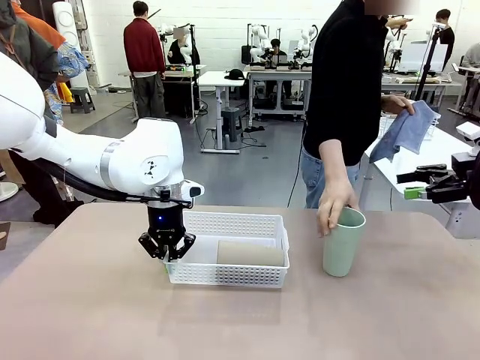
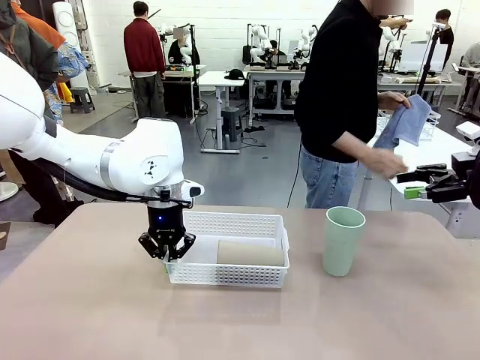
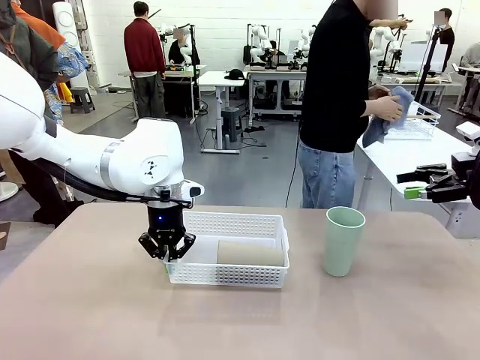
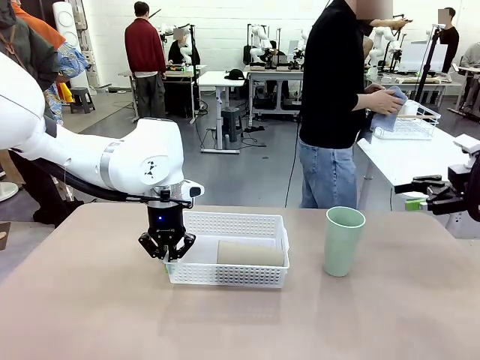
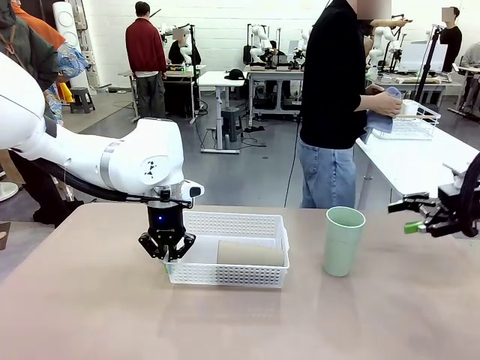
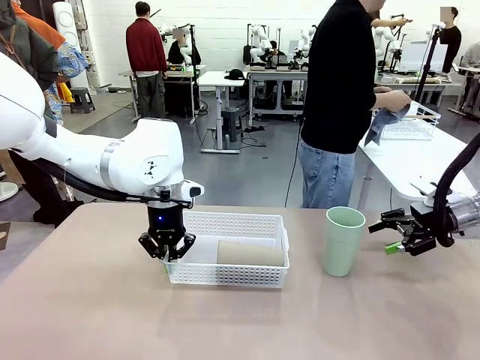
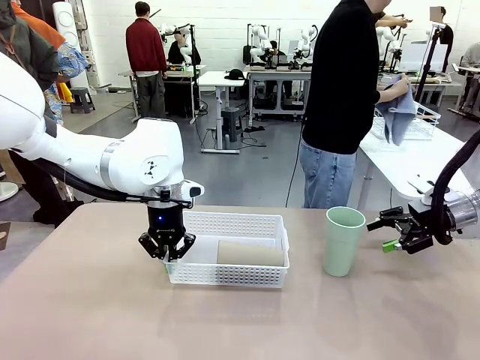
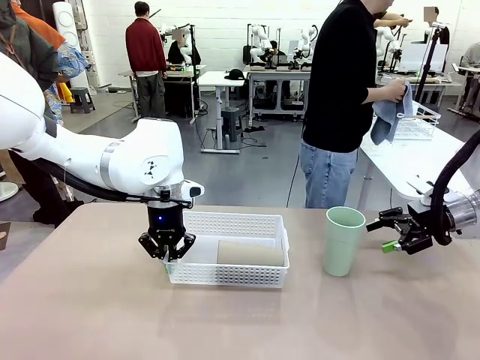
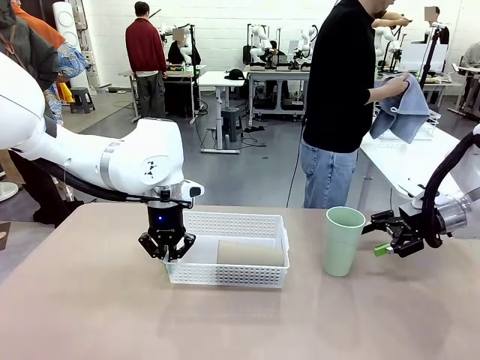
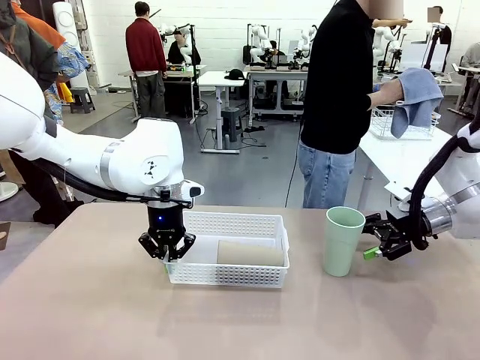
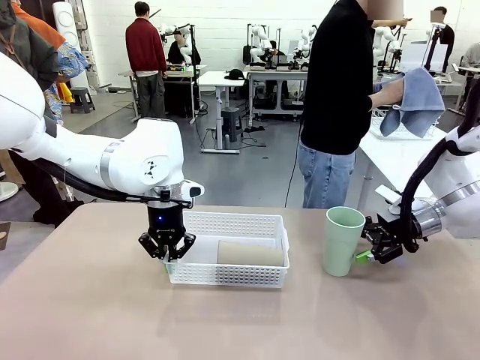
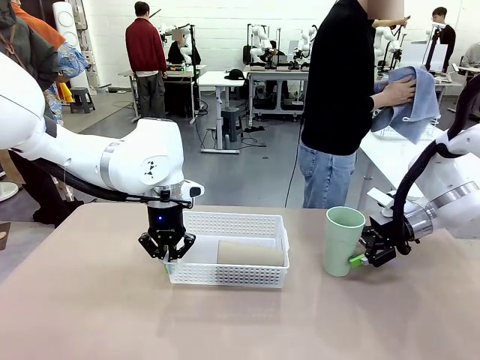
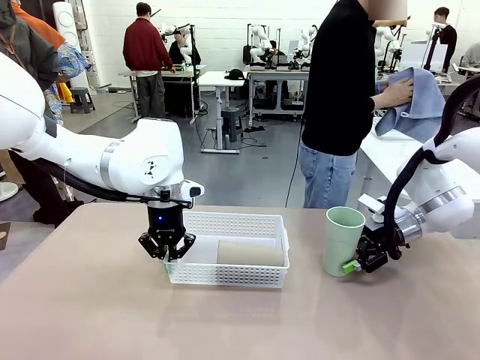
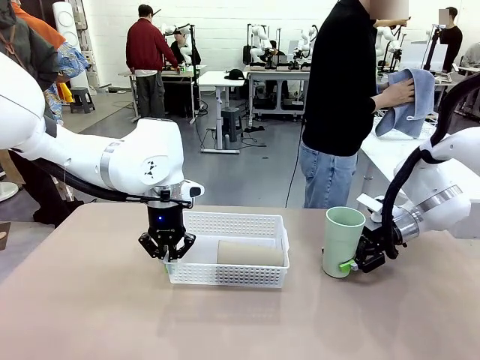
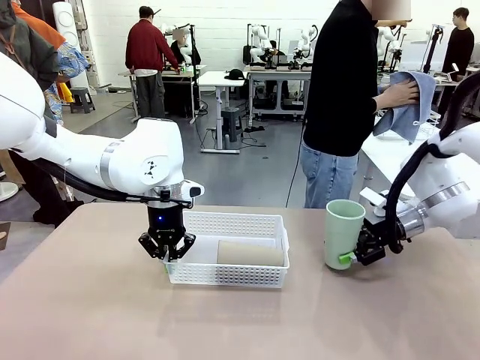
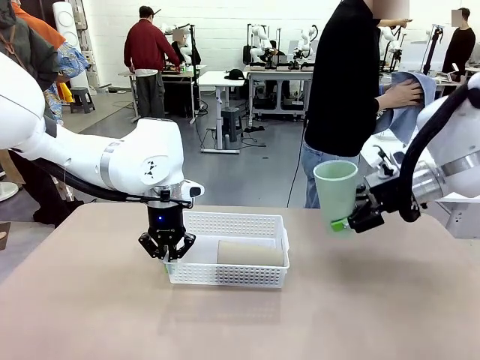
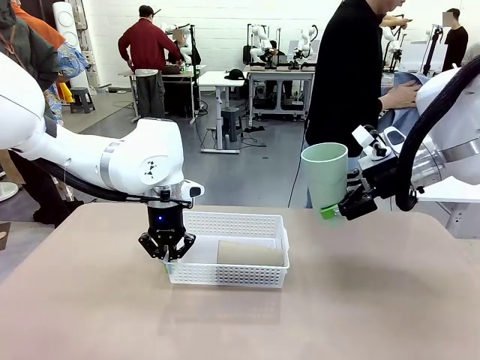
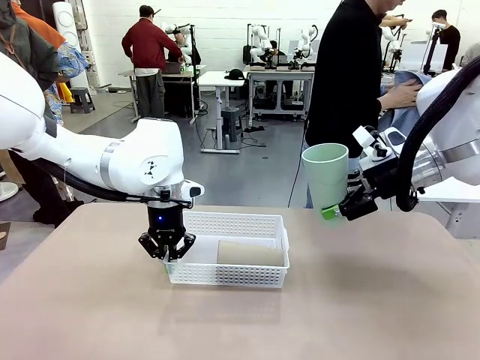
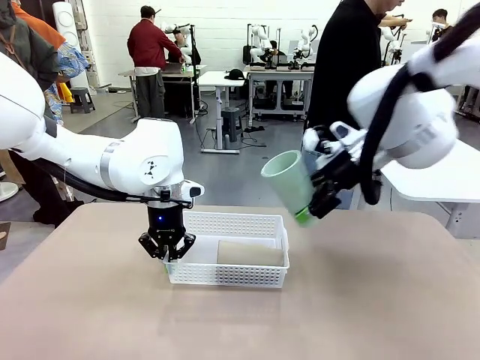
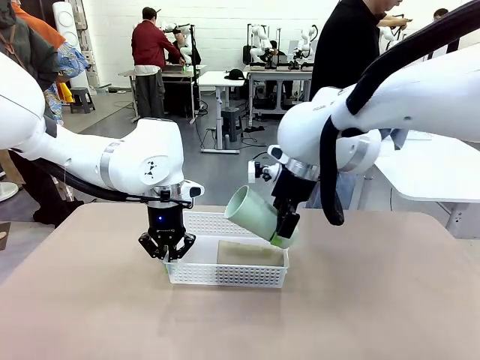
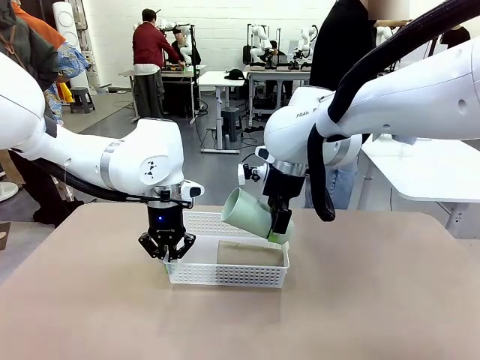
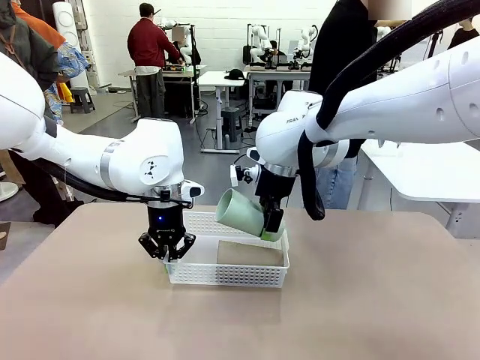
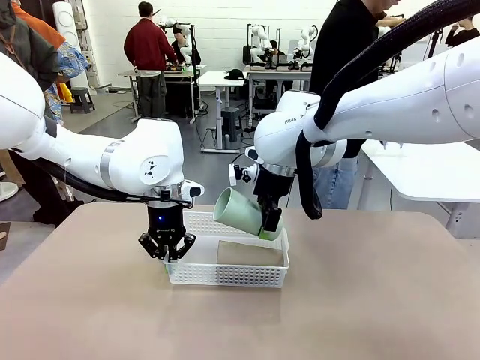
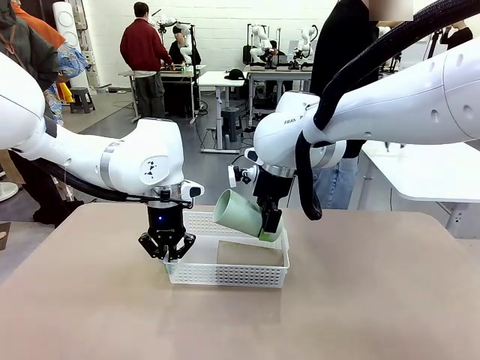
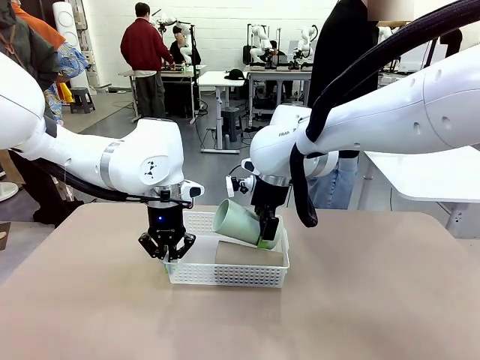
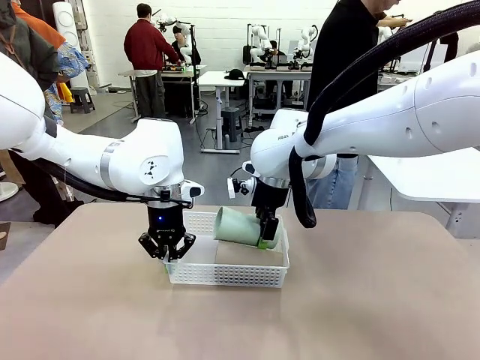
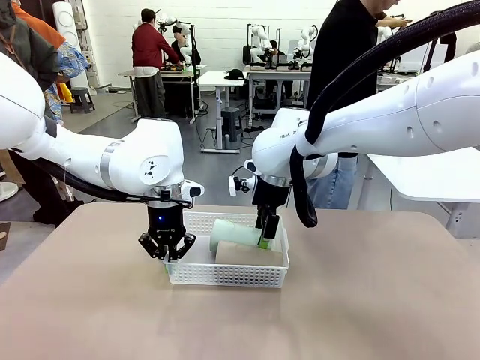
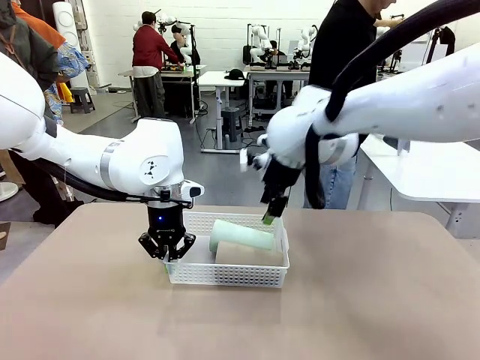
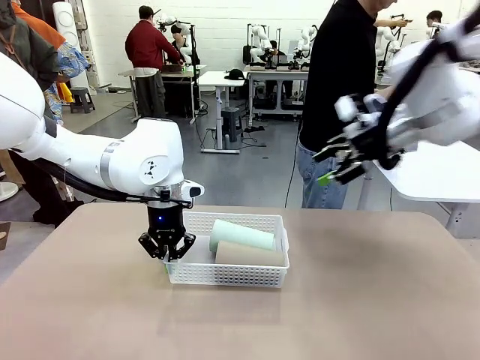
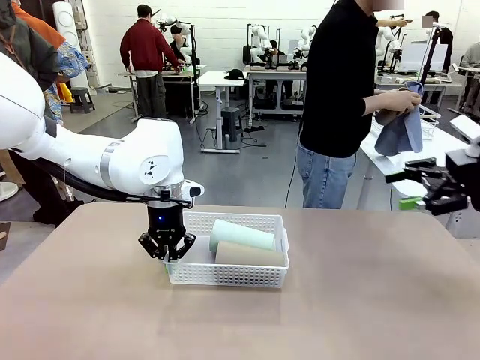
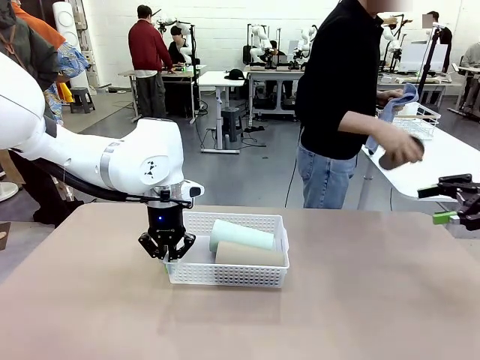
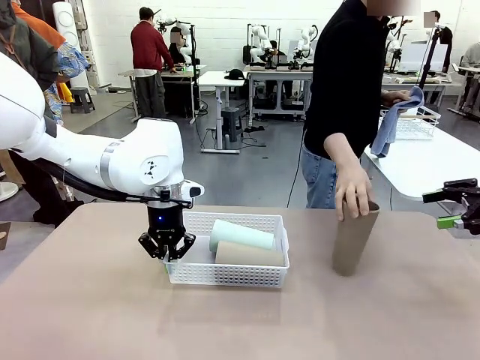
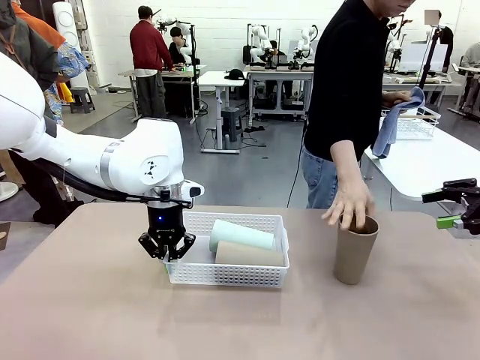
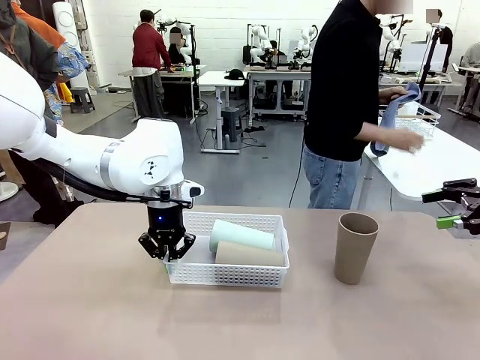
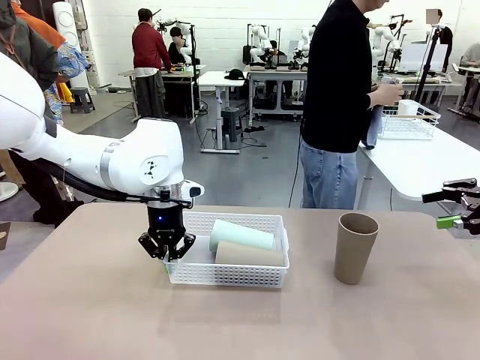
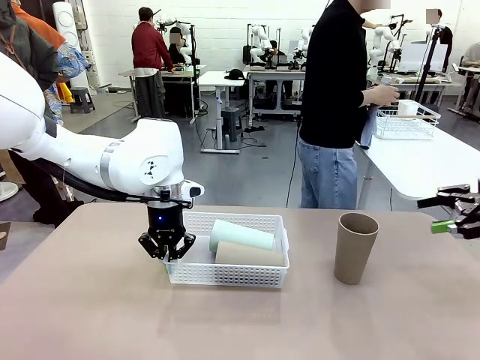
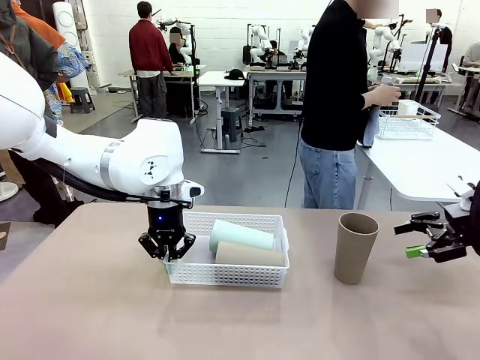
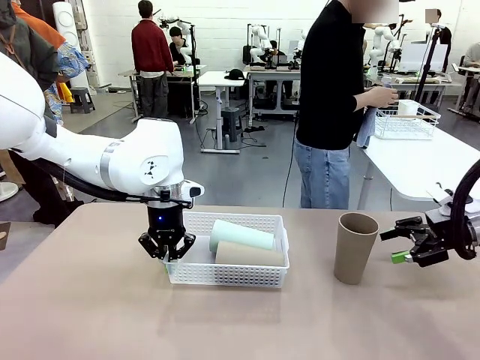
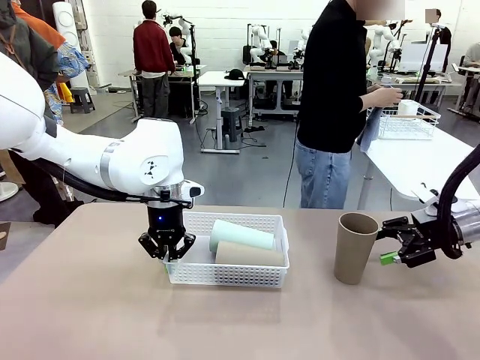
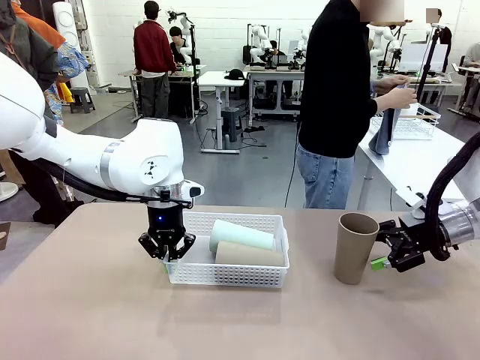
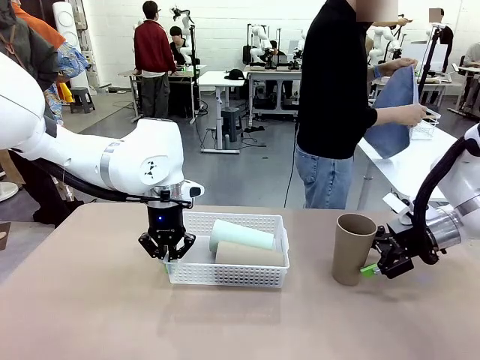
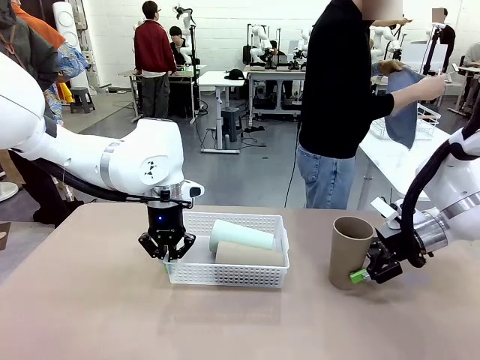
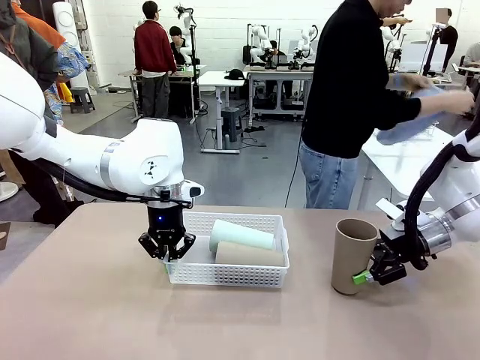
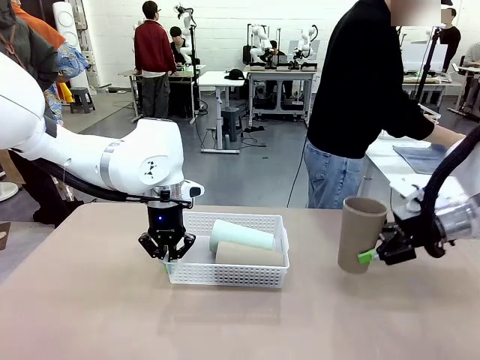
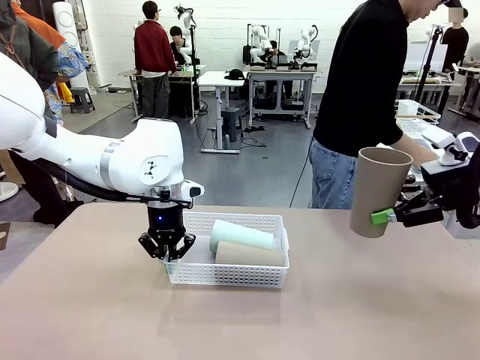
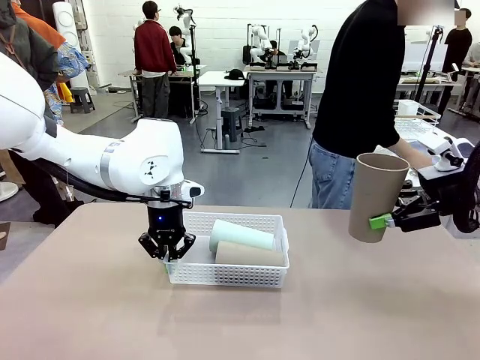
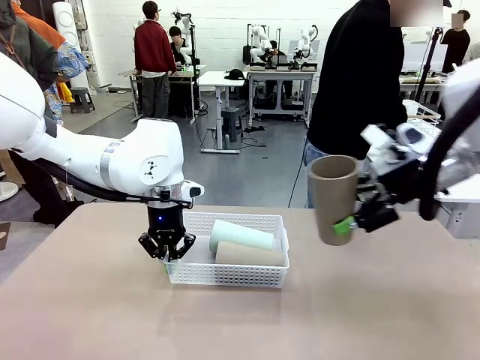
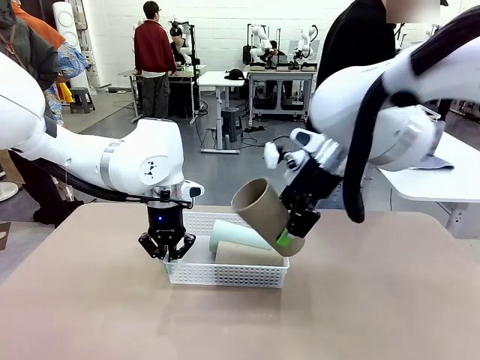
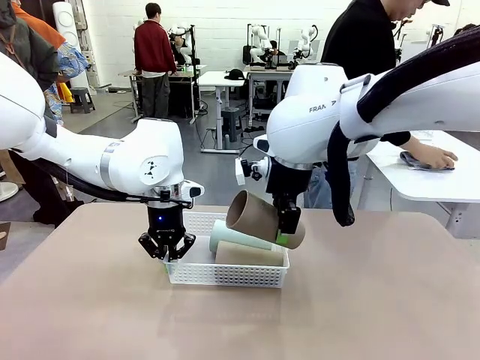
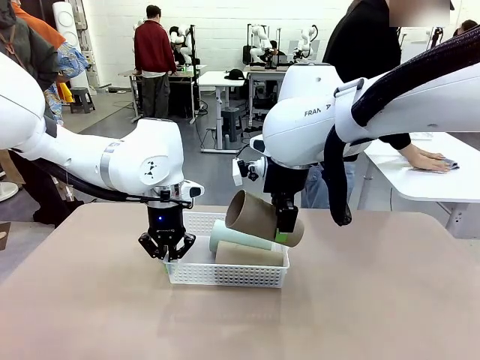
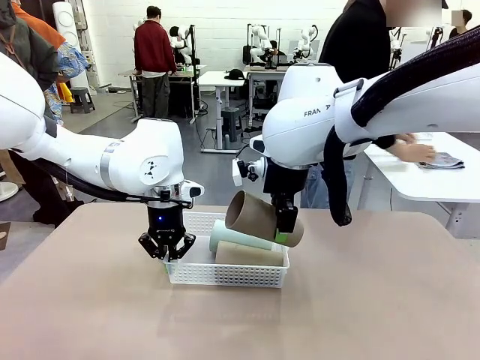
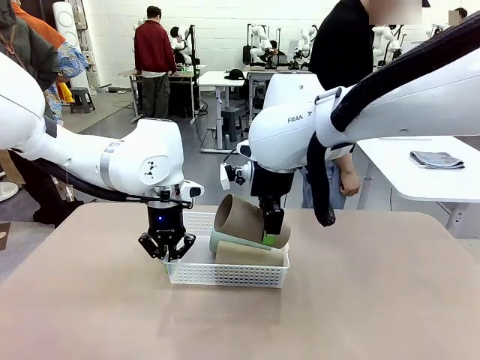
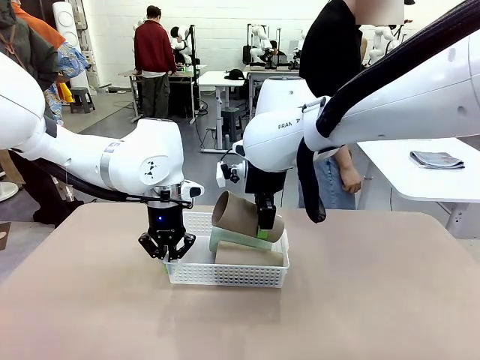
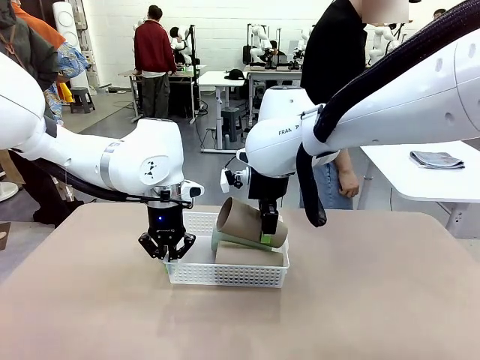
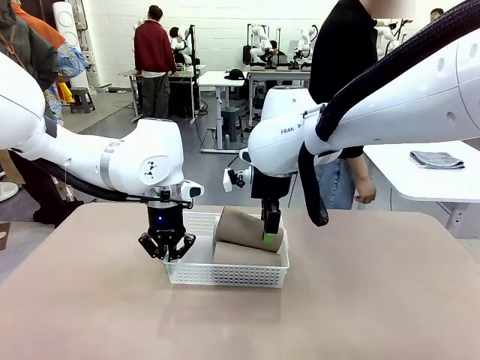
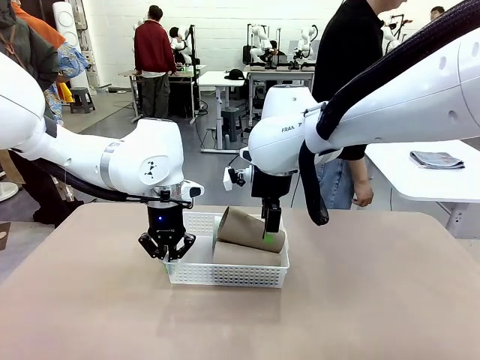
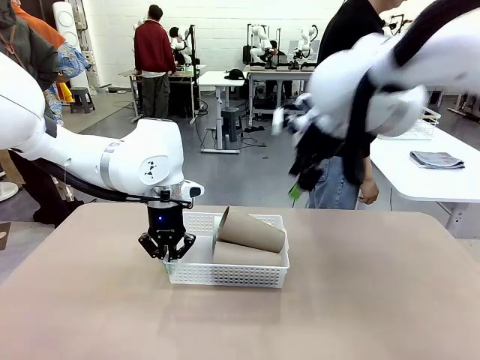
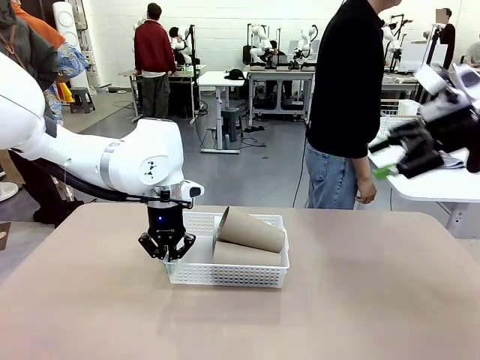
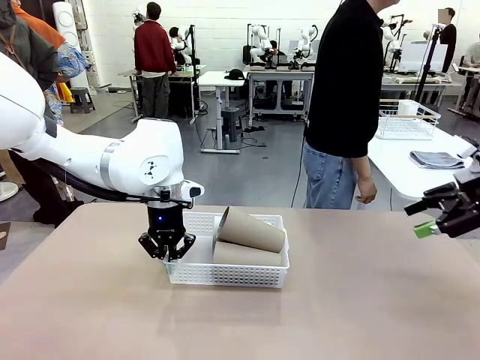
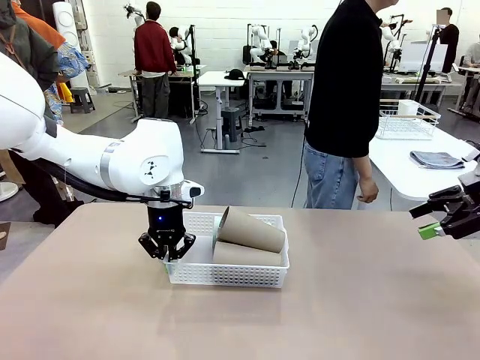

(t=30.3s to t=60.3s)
Task: Clean and organize the cups into the basket.
Robot: Pick up the Reusable plastic cup from the right side of the table and stack it inside the Organizing basket in the center of the table.
